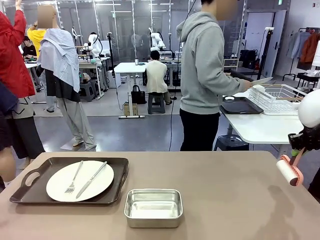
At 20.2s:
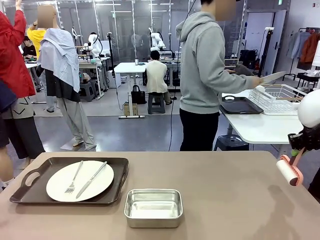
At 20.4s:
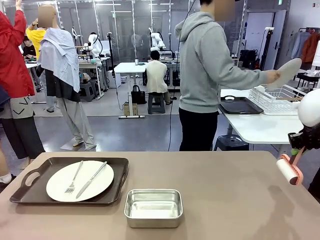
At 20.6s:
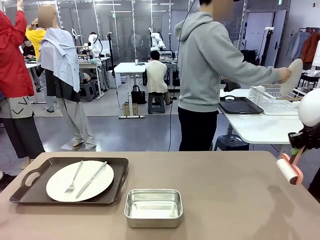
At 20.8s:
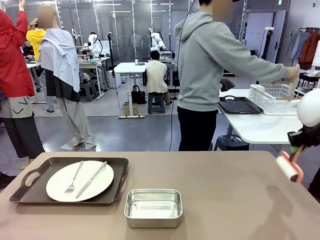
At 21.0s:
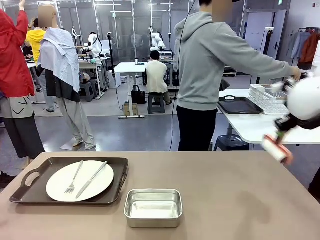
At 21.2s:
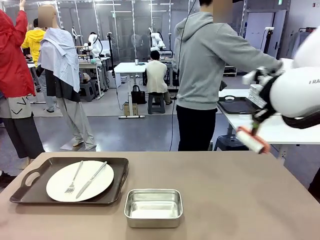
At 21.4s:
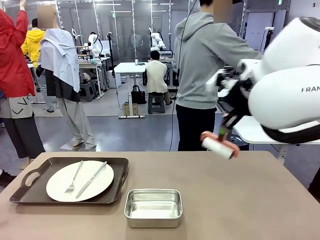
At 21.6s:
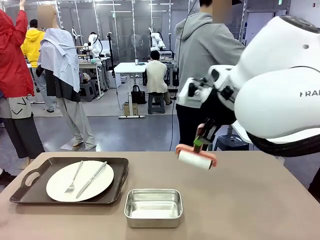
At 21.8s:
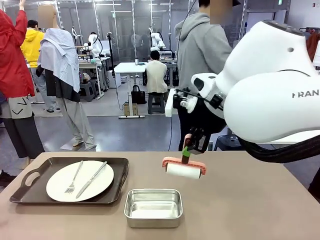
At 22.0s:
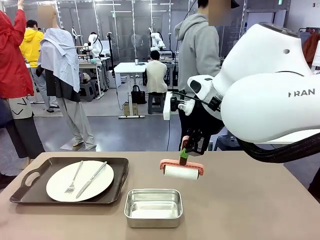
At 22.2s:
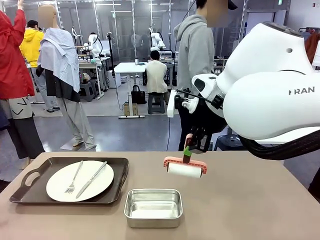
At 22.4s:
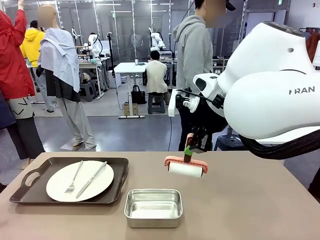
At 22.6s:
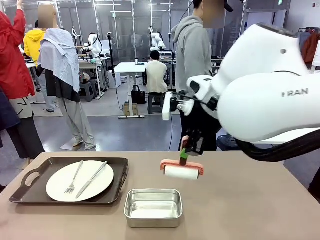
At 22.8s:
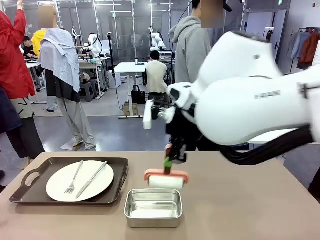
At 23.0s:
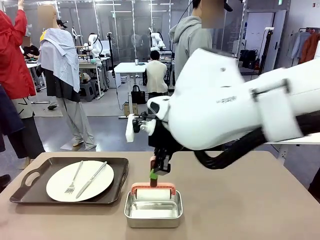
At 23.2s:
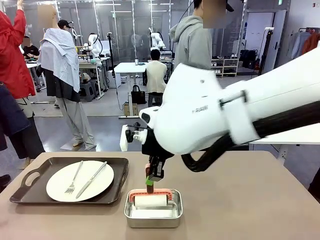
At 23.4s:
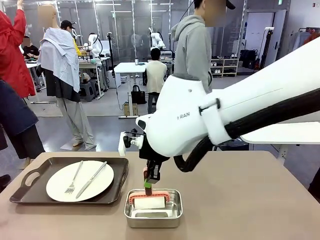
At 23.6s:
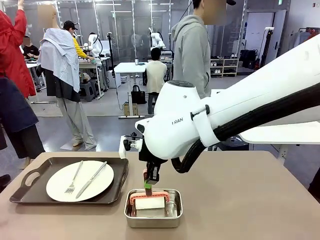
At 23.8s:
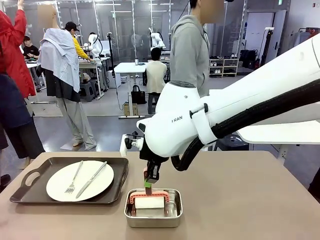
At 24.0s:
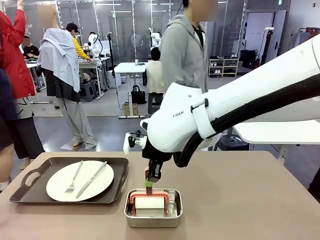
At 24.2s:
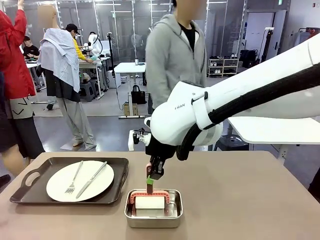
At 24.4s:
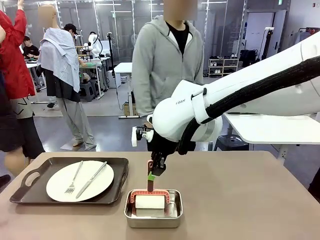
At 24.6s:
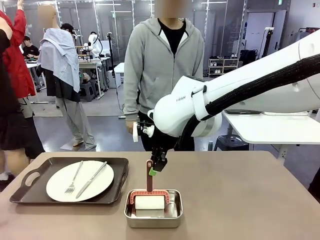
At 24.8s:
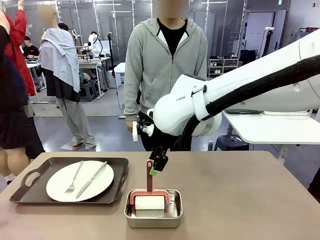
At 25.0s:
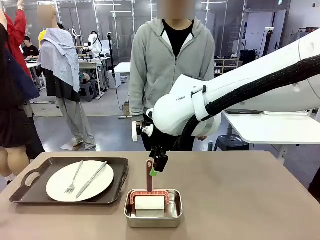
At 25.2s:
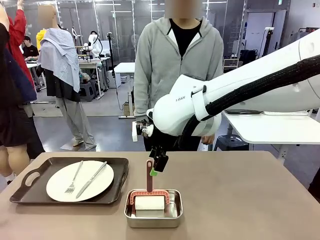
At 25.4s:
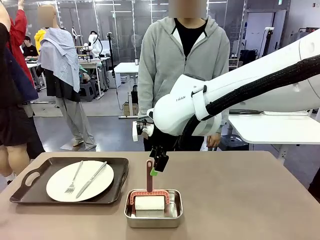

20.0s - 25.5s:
Robot: Place the Lint Roller back on top of the Airtight Container.

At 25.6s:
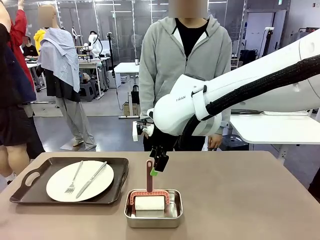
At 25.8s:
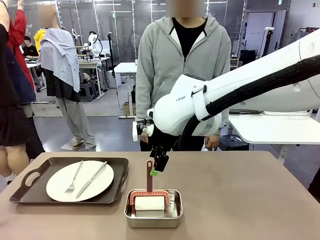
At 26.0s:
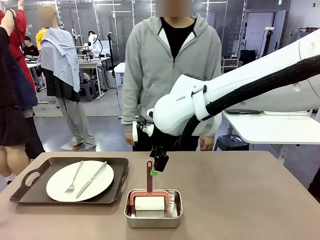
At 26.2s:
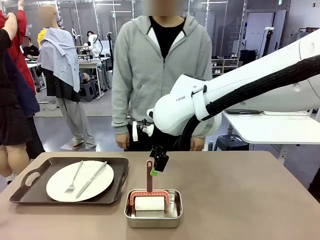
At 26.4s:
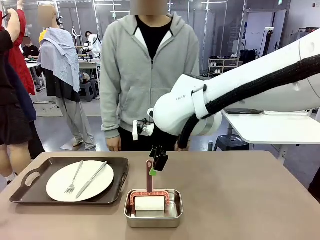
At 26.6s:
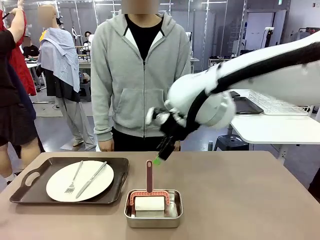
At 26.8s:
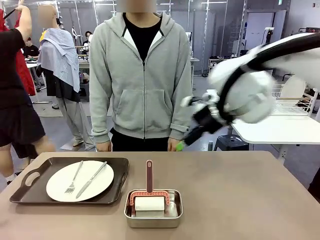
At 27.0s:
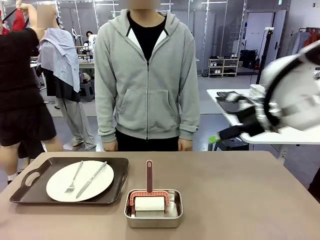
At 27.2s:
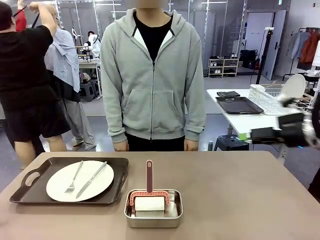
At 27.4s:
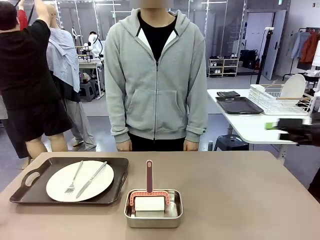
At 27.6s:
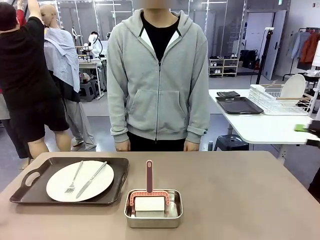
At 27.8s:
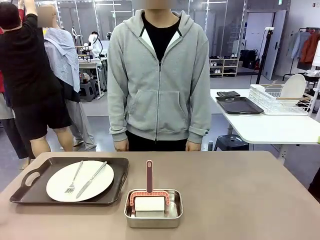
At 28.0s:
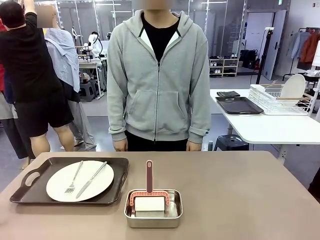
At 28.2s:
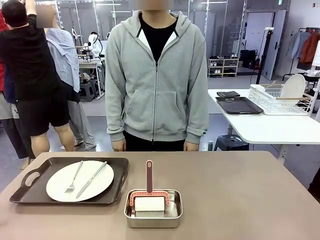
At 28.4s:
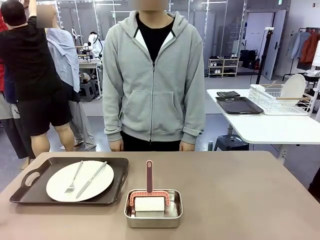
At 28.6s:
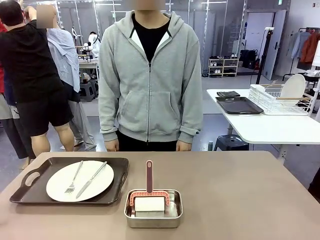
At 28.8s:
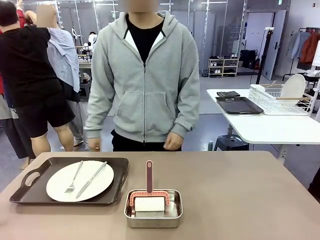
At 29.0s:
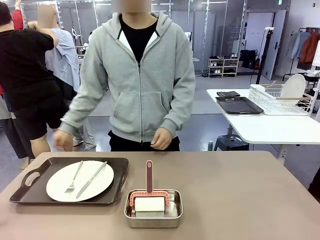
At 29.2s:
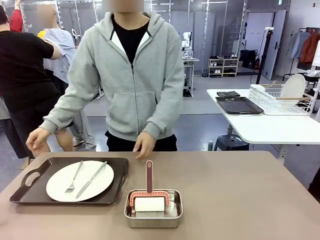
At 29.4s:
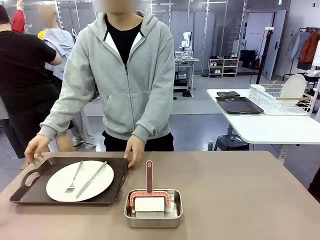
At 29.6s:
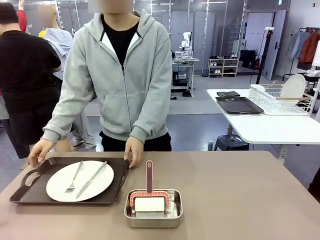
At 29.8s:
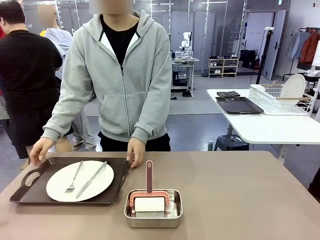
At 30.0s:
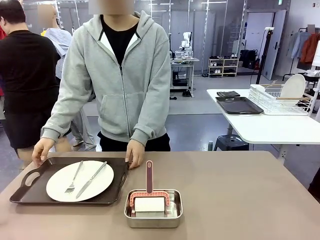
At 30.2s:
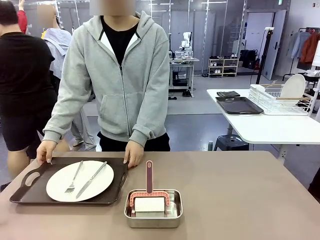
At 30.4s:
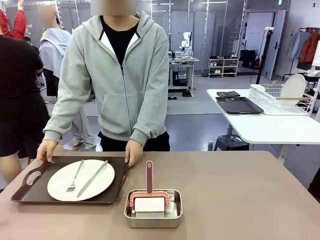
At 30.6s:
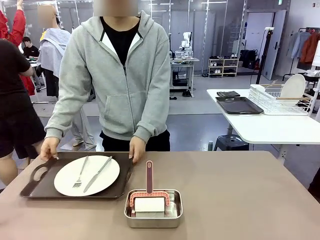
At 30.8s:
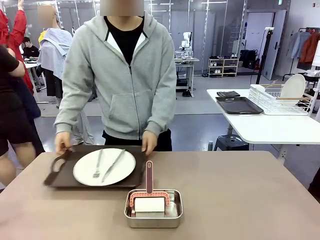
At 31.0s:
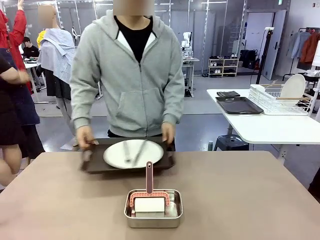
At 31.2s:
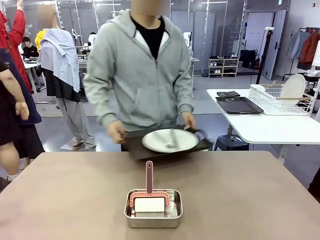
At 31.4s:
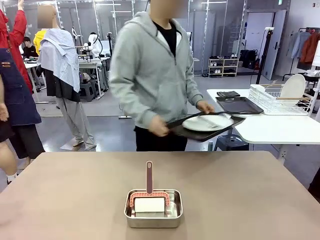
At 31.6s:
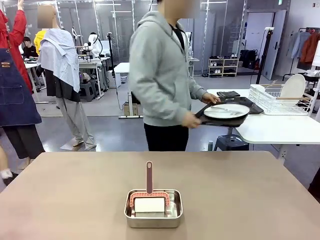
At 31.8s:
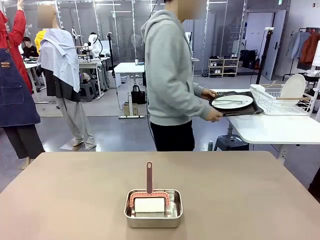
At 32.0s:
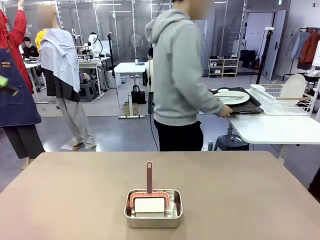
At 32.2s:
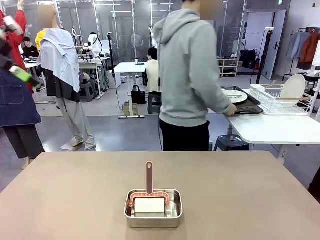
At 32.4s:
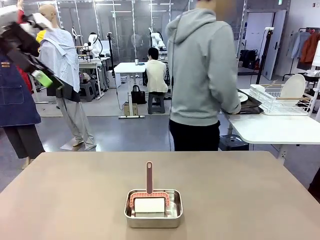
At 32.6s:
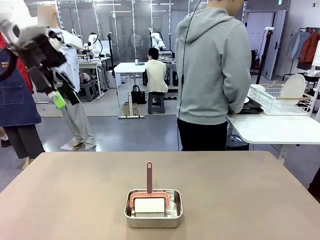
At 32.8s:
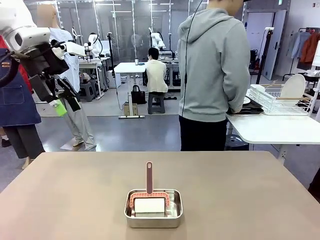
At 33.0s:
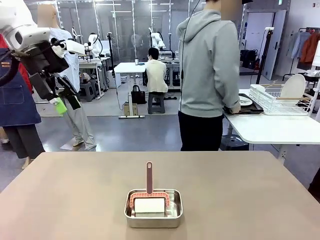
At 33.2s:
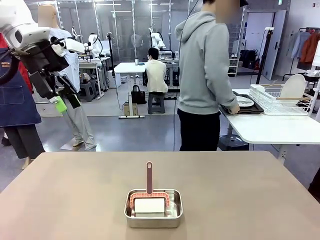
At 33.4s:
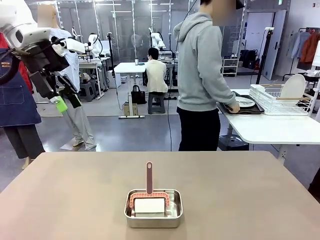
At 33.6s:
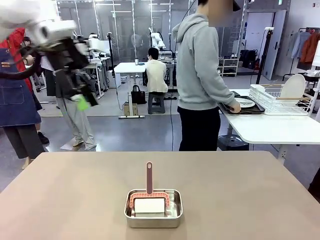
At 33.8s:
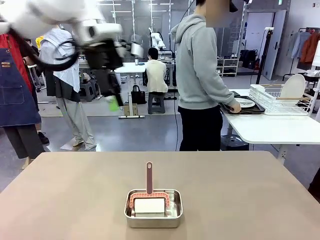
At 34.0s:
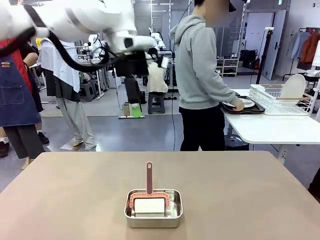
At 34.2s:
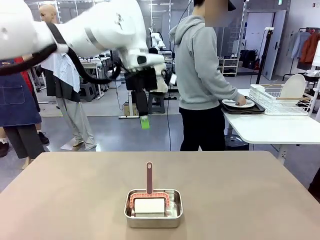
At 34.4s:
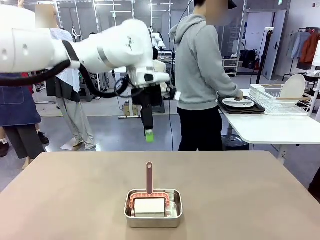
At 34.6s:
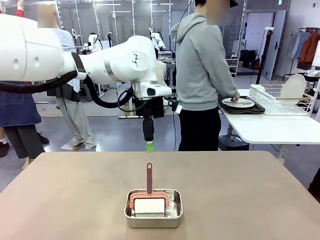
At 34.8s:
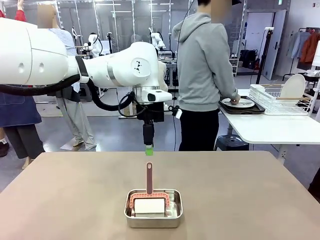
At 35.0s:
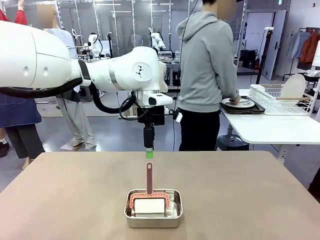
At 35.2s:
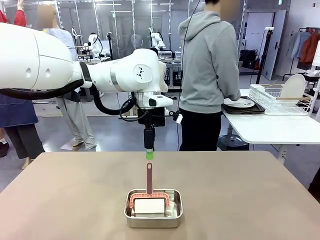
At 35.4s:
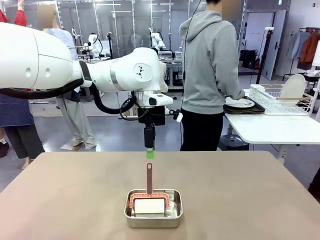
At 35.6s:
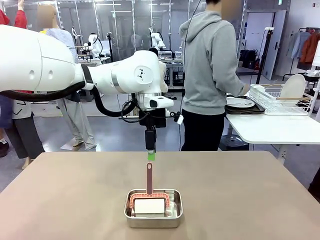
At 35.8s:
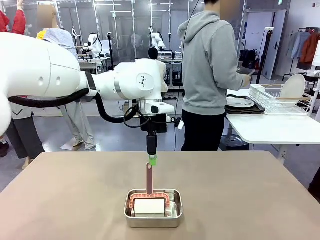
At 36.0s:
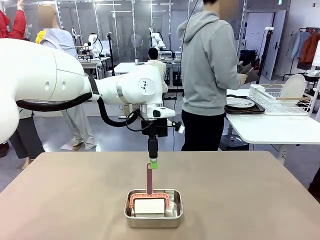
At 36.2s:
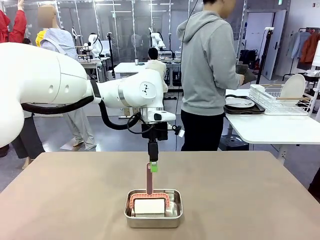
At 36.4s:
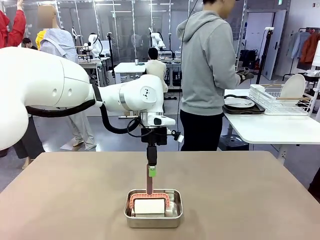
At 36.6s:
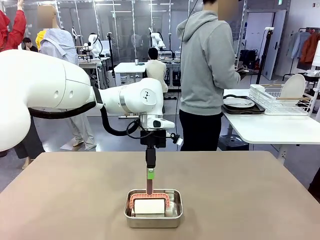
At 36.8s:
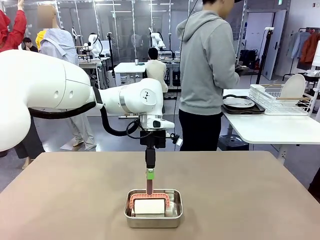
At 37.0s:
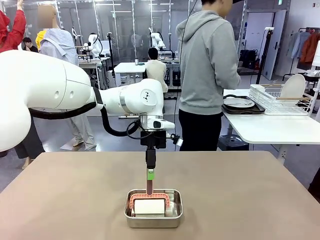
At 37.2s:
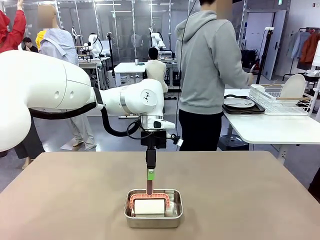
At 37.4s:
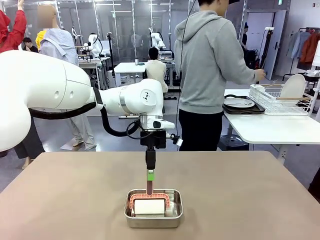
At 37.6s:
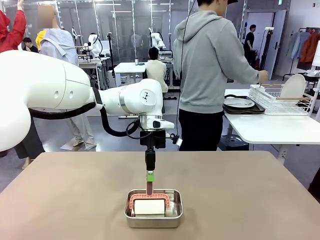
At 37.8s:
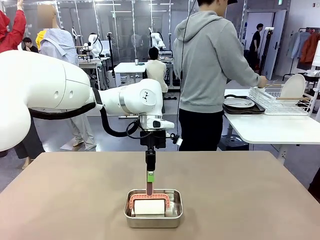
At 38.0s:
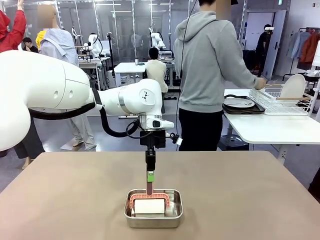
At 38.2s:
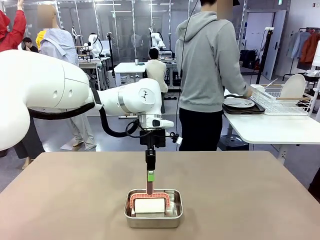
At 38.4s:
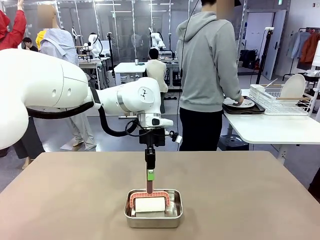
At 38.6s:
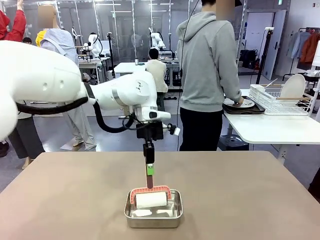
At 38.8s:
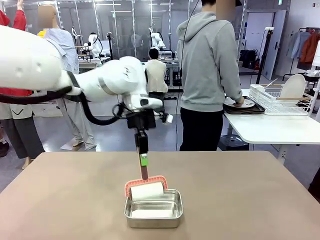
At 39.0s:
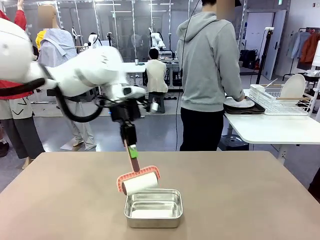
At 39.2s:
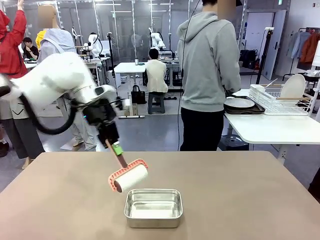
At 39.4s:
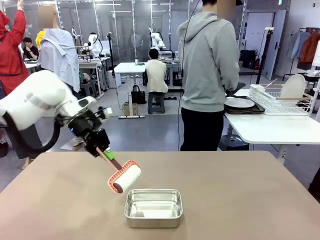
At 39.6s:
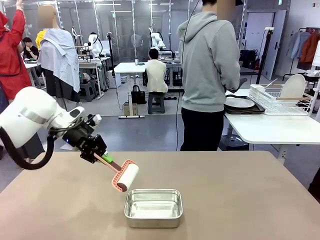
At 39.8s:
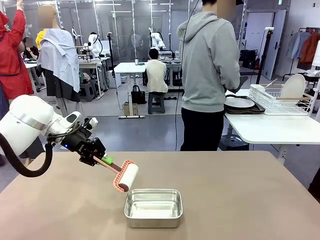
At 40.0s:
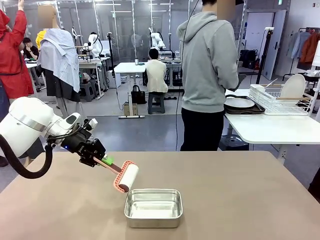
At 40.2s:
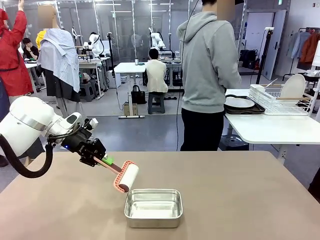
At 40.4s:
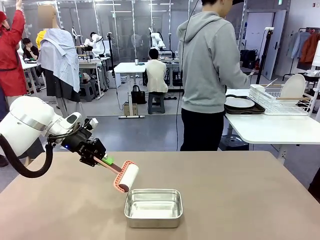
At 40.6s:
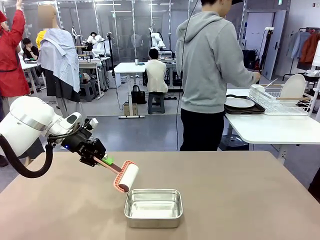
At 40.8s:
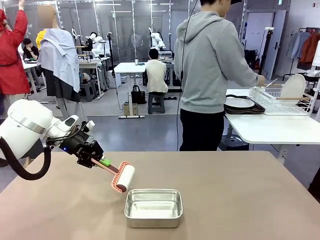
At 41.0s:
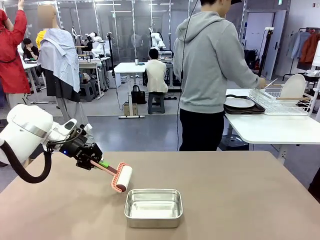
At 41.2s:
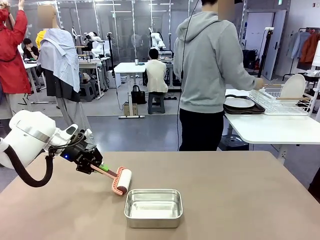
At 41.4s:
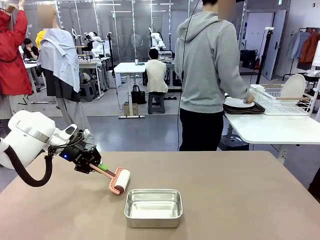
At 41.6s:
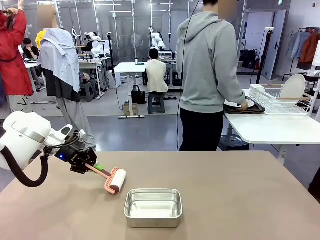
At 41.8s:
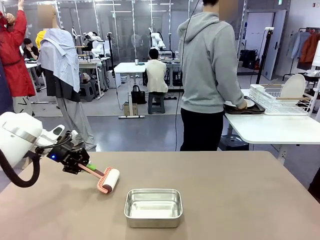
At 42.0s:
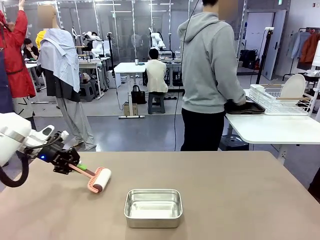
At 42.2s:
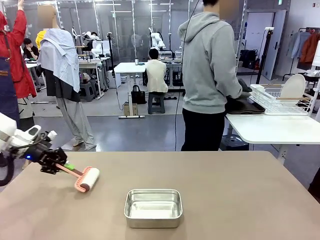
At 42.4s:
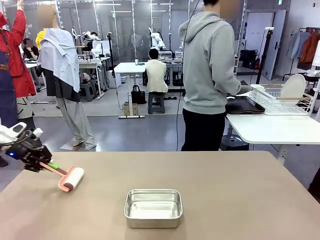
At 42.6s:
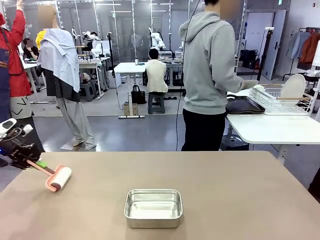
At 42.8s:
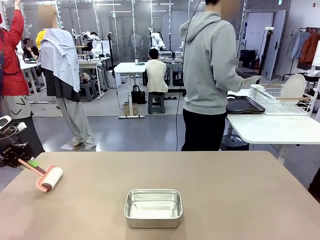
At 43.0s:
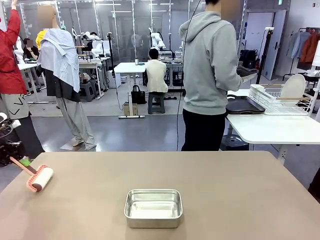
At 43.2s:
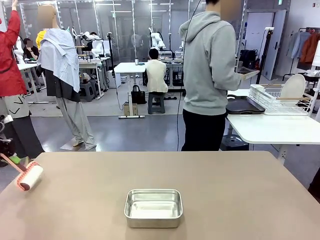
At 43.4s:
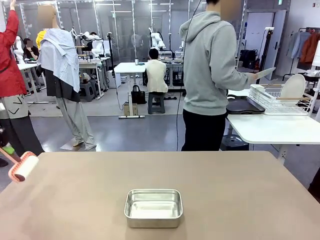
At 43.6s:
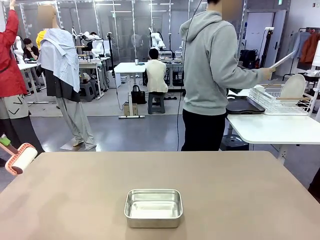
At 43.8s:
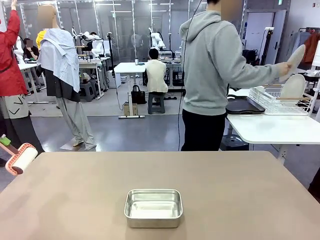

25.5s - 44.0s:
Robot: When the right (or left) Handle tray is removed, use the right hand (or left hand) to clean the right (or left) side of the table with the Lint Roller.
Person: Pick up the left (or right) Handle tray and place it on the Handle tray. Use the Towel with hook to wipe the Plastic Matte Plate , Fork , and Knife and place into the Dish drying rack.
